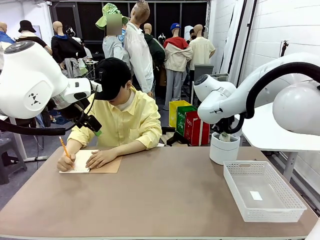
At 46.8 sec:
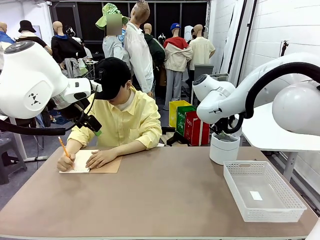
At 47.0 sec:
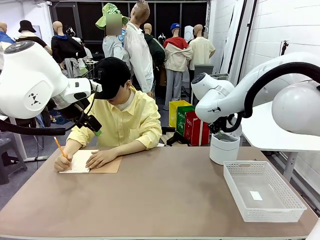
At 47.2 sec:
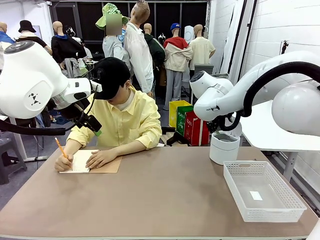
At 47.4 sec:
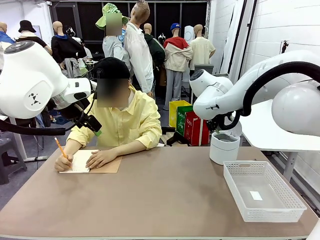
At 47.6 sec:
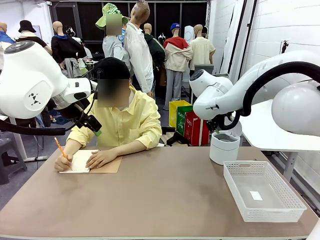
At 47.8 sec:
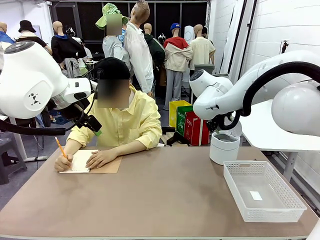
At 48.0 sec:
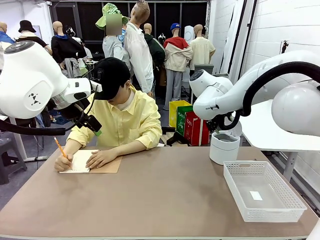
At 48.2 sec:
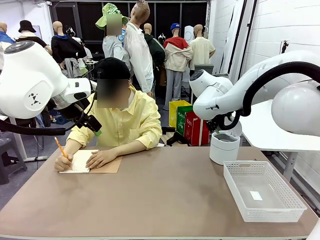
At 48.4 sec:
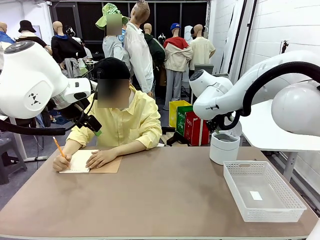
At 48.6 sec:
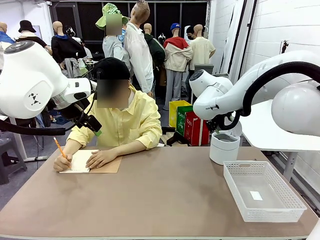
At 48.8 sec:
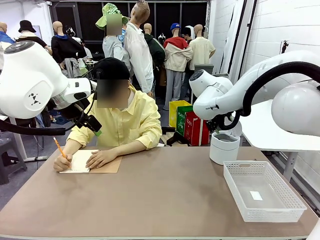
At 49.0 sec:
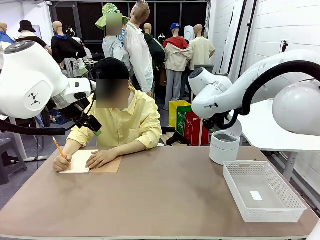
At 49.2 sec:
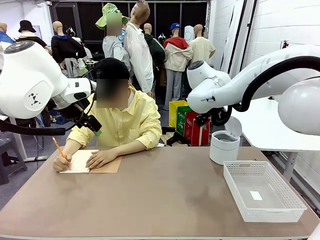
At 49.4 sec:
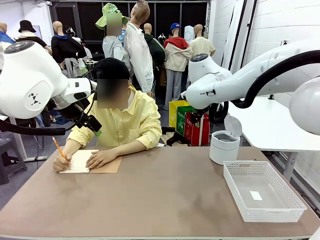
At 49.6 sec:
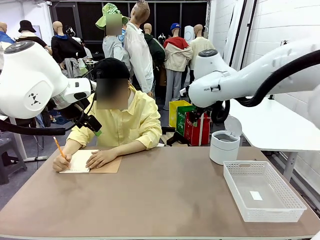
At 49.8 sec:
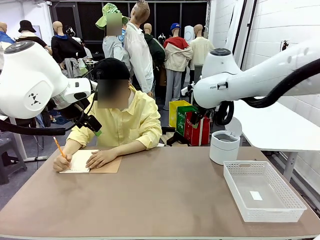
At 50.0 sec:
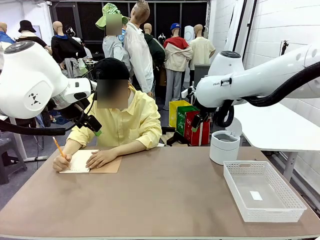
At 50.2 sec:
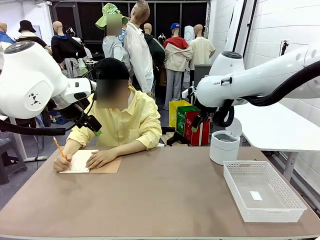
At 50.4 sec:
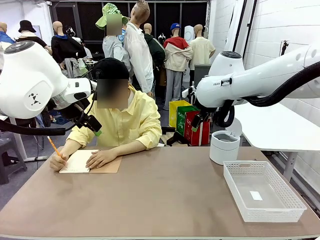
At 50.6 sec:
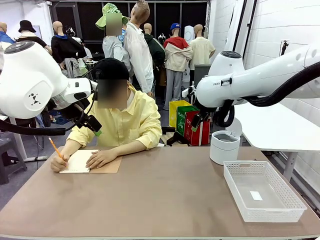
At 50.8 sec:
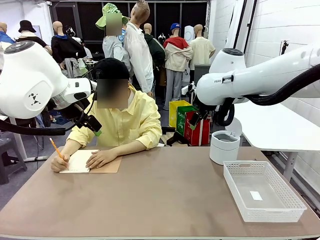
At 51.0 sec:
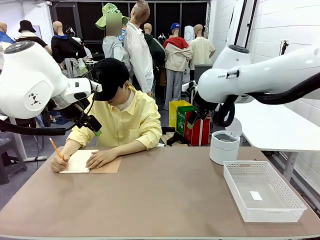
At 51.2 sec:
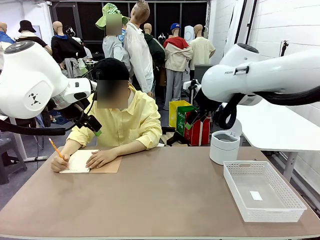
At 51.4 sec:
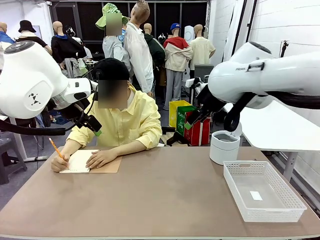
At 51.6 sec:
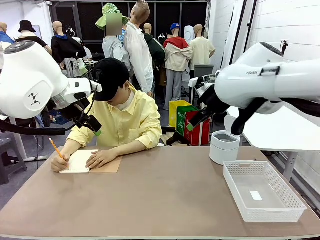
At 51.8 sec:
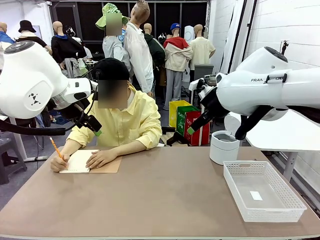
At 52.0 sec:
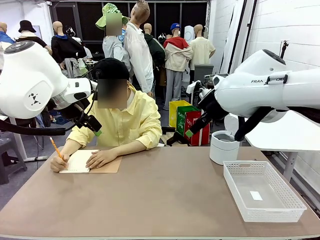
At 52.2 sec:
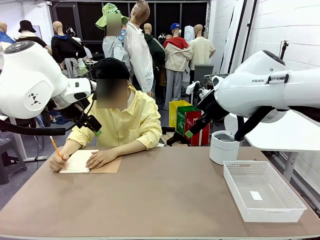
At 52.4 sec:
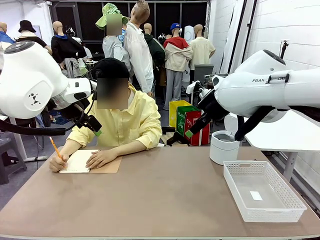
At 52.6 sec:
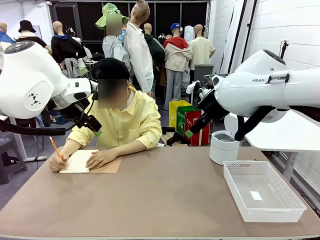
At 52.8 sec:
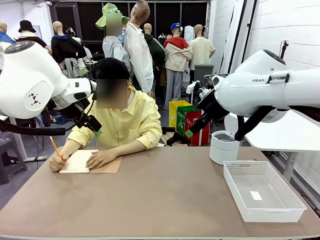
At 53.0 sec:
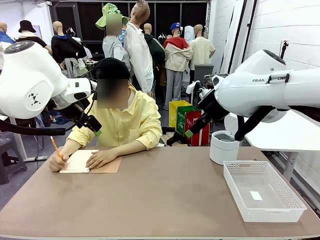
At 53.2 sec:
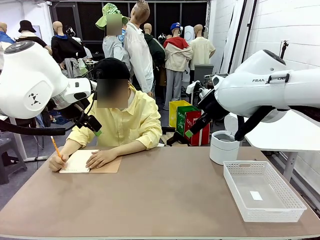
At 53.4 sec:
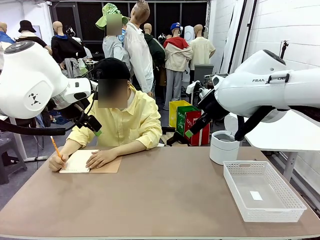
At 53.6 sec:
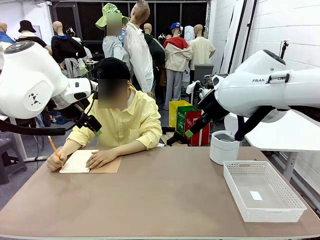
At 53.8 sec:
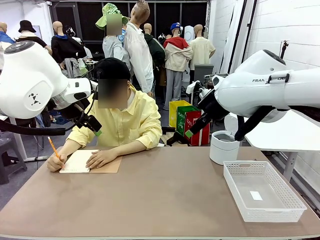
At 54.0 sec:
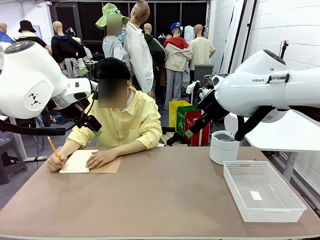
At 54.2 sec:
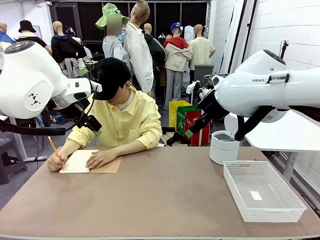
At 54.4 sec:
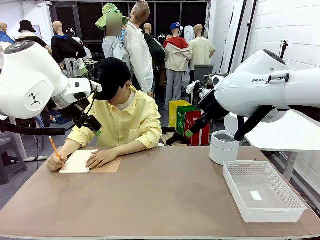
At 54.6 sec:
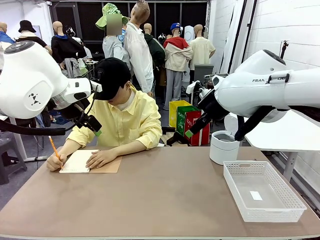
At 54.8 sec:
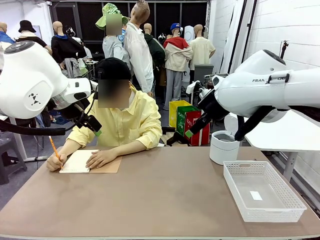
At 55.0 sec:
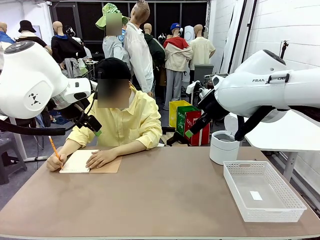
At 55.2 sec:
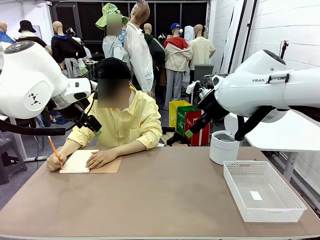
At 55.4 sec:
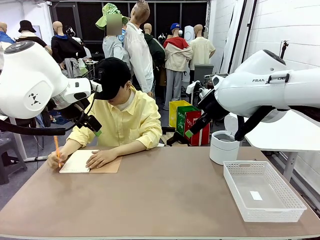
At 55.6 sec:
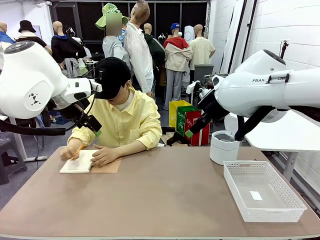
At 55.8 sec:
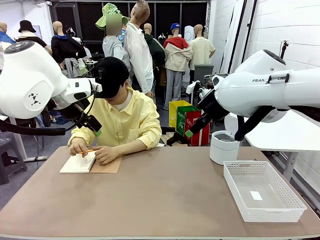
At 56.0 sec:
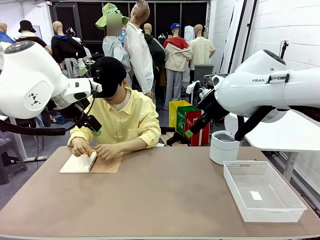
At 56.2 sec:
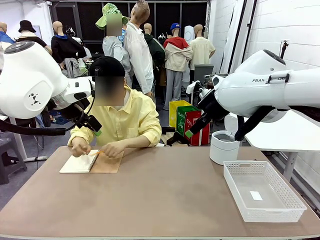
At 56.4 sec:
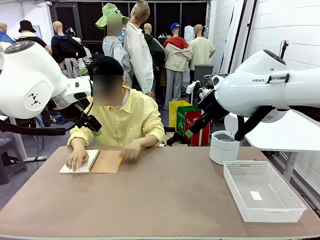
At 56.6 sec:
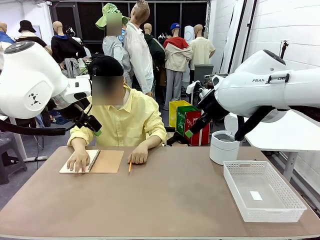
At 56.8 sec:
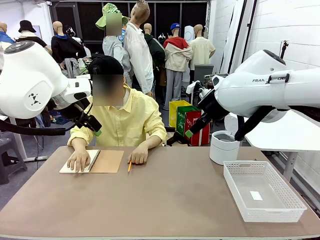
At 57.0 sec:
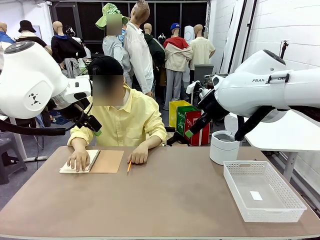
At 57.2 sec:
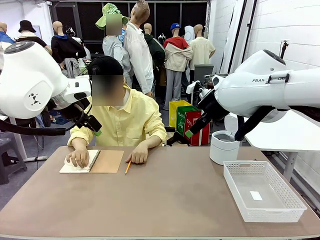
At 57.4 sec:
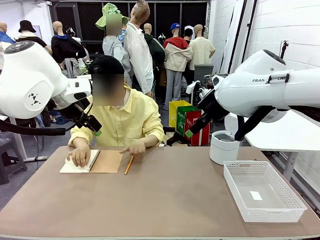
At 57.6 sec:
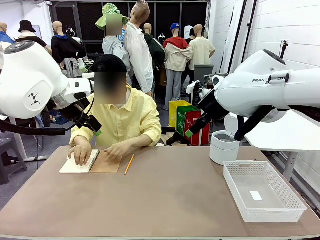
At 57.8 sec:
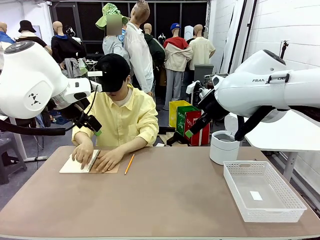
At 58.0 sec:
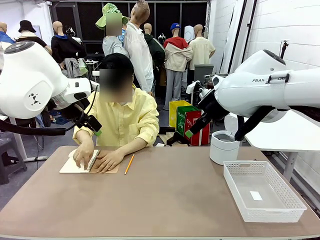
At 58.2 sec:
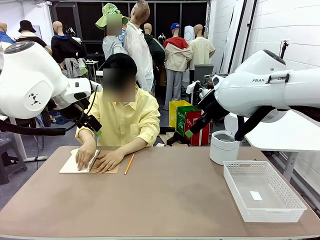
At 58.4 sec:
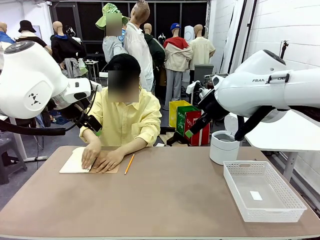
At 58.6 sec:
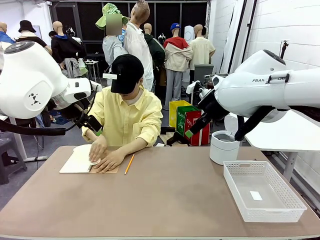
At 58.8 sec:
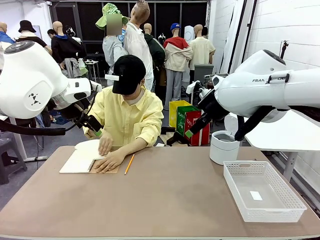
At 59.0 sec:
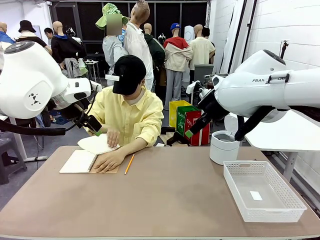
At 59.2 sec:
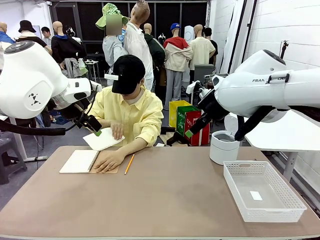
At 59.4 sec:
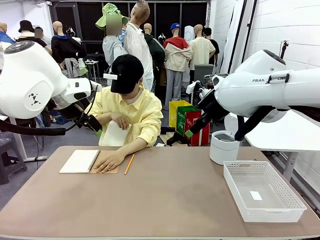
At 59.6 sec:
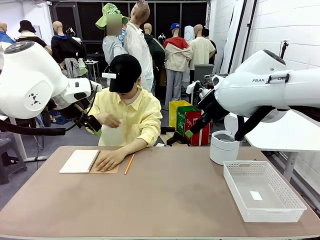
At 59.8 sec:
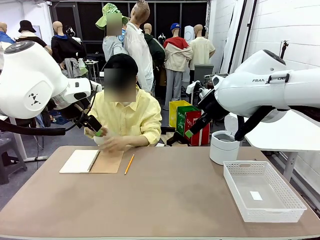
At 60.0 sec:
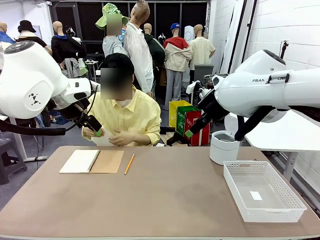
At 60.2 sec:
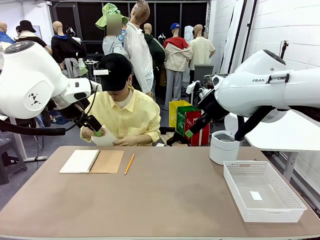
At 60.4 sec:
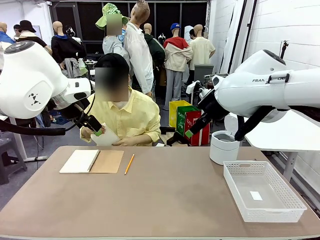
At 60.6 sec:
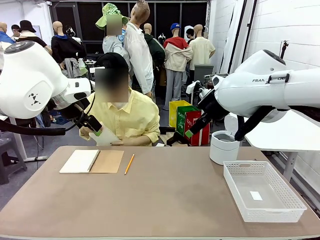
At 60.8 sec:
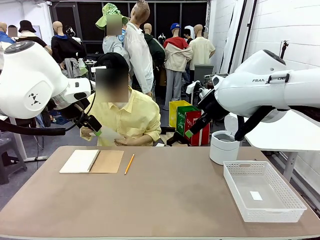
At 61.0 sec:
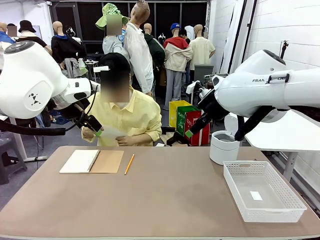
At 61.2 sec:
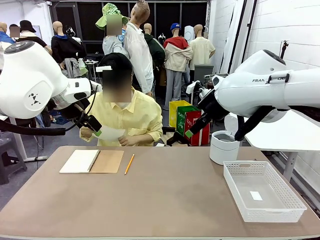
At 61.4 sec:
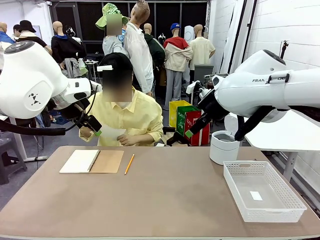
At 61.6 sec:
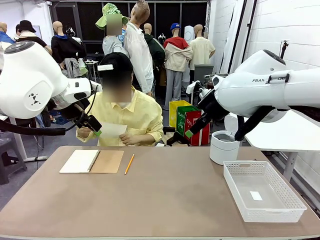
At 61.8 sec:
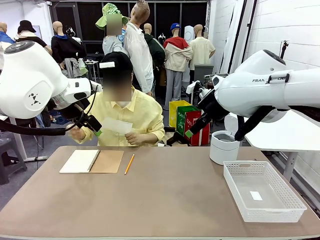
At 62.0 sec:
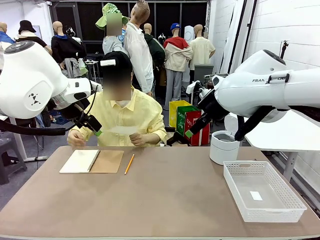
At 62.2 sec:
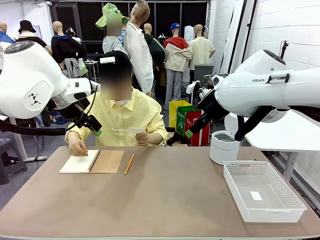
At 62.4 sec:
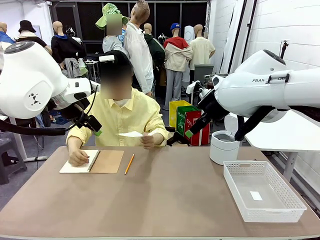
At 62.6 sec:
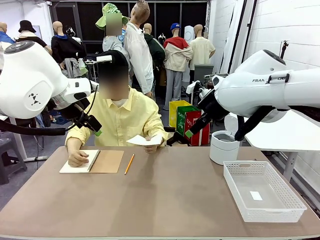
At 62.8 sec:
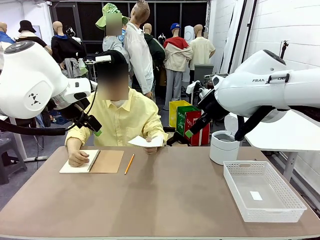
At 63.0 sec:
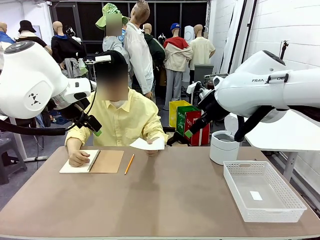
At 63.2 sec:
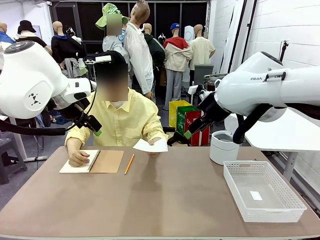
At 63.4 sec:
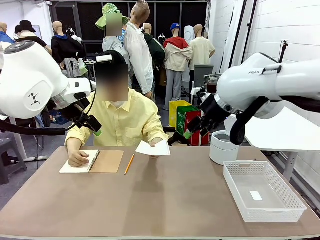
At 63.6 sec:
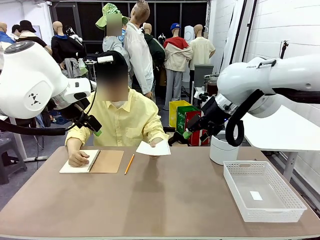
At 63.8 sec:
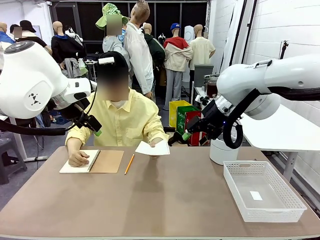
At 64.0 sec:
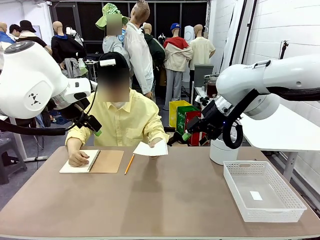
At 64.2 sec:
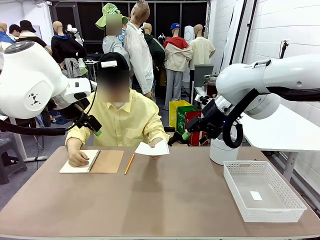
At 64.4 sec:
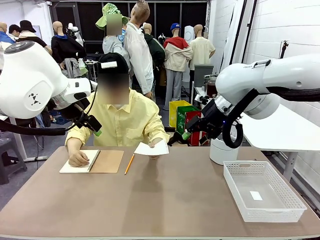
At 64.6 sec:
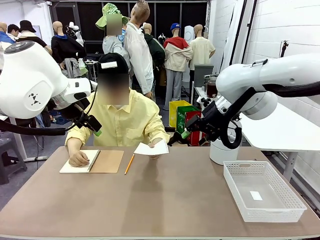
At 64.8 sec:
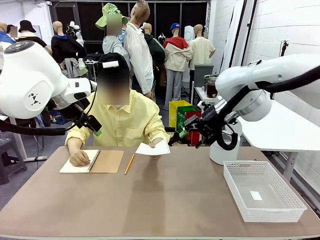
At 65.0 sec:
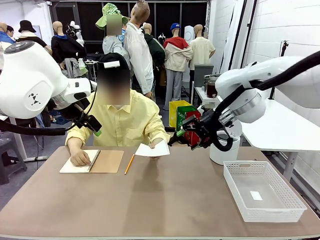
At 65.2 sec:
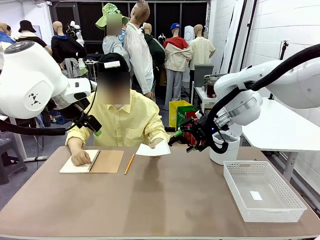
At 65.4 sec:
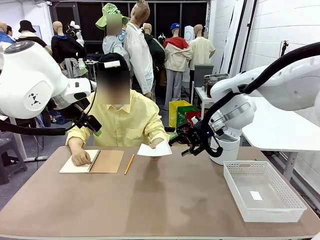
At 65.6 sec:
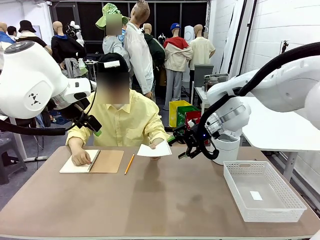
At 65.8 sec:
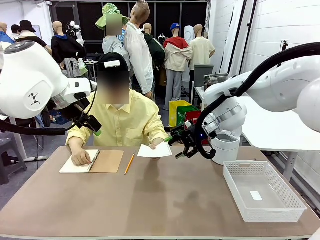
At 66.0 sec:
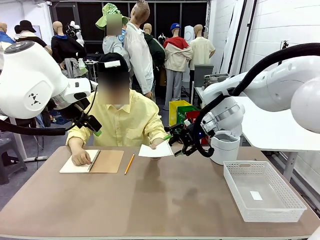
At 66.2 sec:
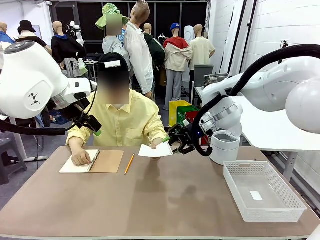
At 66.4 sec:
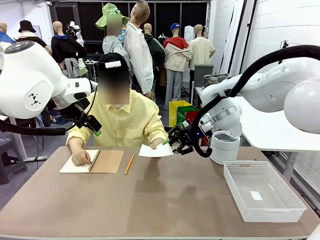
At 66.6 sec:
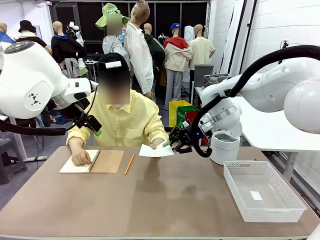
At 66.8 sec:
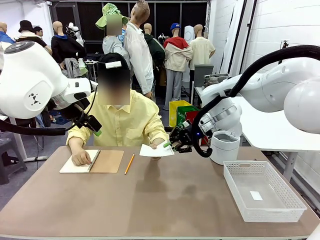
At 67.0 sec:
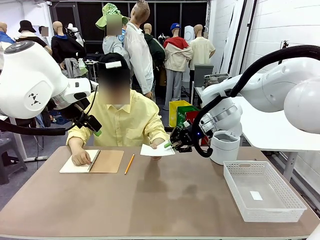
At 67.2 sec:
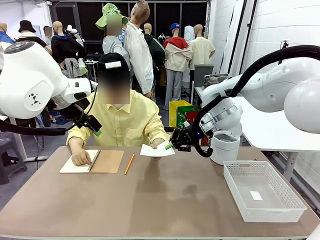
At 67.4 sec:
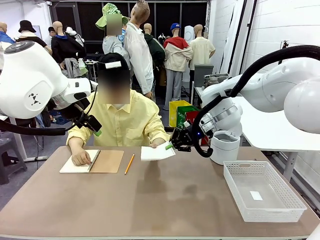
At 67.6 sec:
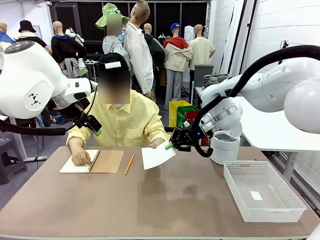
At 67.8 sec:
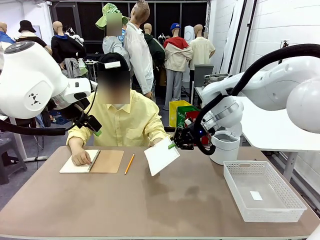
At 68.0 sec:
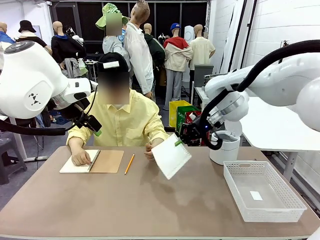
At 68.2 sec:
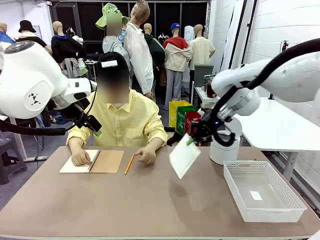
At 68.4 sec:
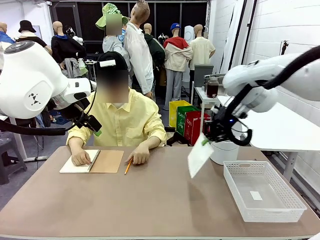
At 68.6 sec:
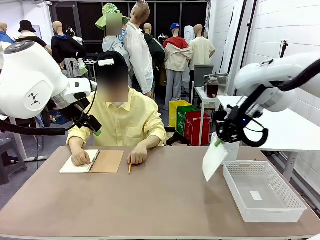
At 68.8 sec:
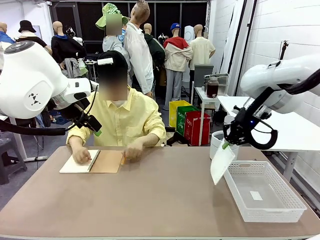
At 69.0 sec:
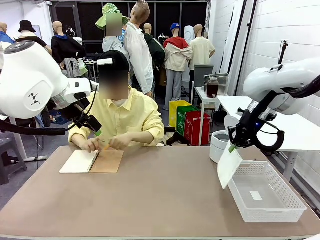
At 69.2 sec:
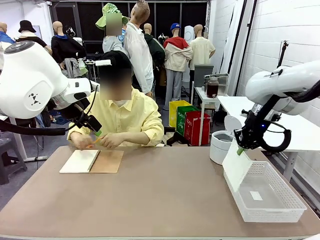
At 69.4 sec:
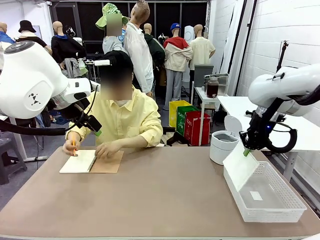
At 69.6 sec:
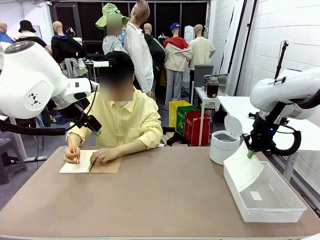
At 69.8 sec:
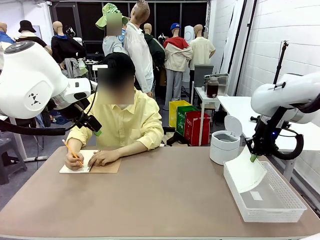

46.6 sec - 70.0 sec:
Task: Sort the paper based on its condition.
Robot: If a person hands you a paper, place it in the Organizing basket , and if it's crumpled, put it in the Trash can.
Person: Tear out a page from the spiral notebook. Hand the torn page to the robot or crumple it and throw it to the center of the table.
